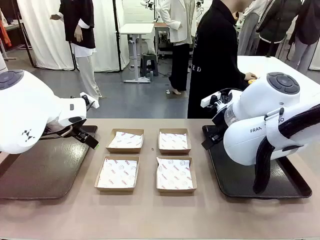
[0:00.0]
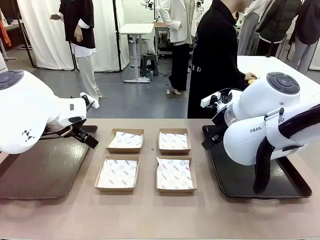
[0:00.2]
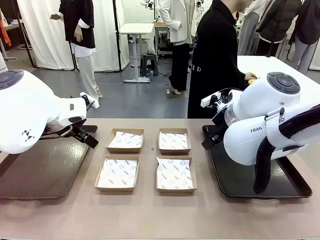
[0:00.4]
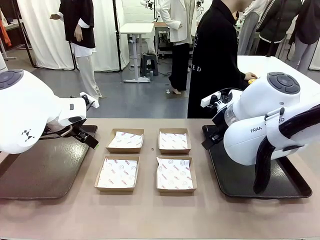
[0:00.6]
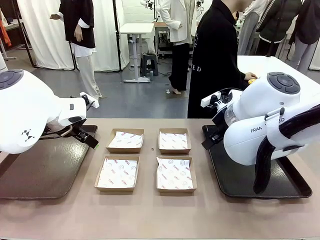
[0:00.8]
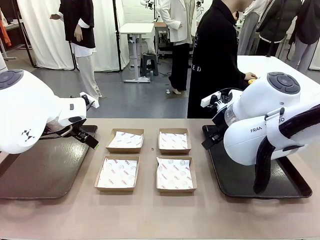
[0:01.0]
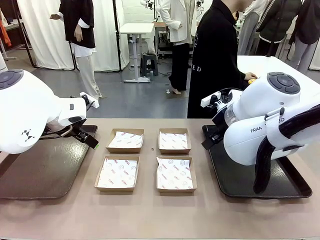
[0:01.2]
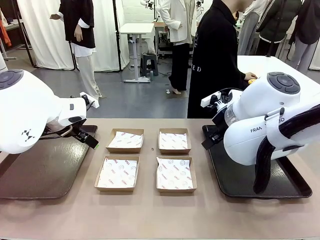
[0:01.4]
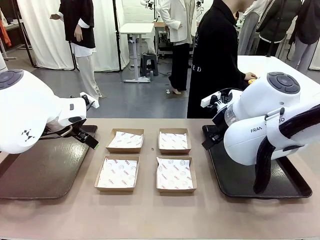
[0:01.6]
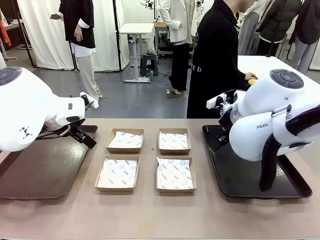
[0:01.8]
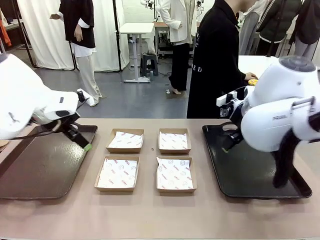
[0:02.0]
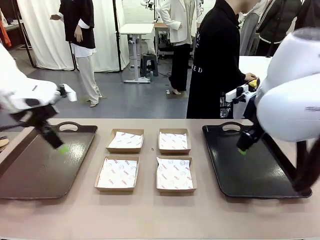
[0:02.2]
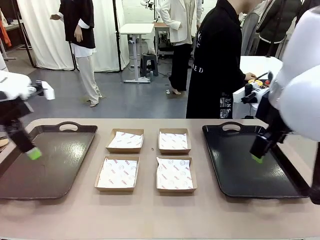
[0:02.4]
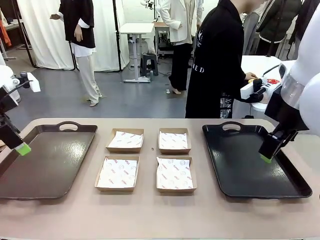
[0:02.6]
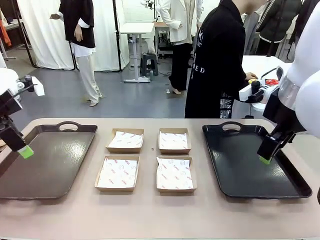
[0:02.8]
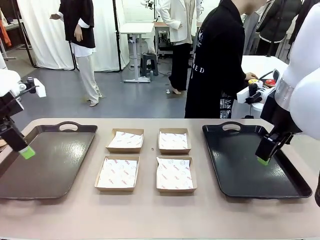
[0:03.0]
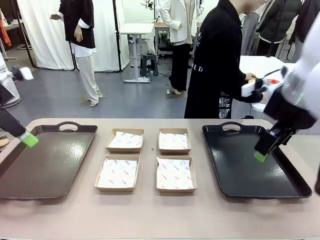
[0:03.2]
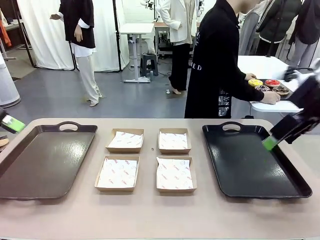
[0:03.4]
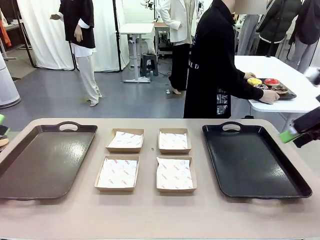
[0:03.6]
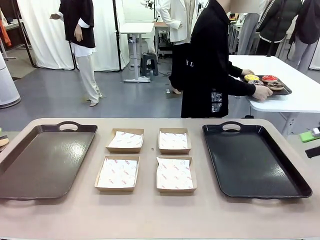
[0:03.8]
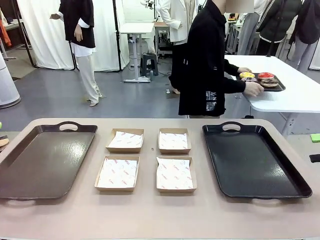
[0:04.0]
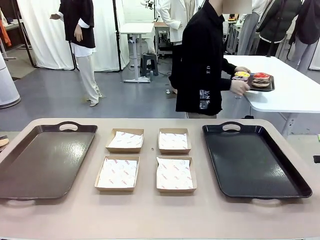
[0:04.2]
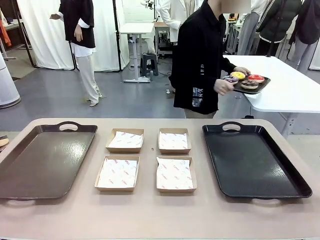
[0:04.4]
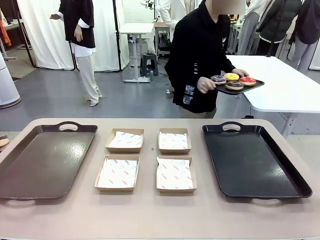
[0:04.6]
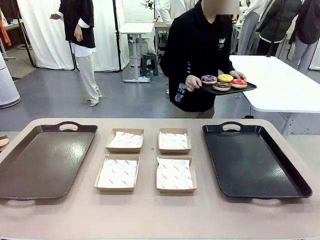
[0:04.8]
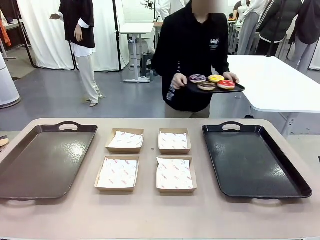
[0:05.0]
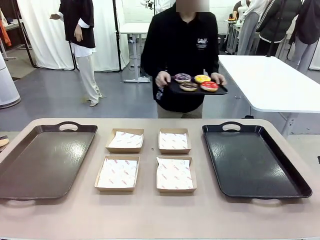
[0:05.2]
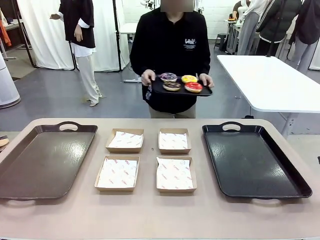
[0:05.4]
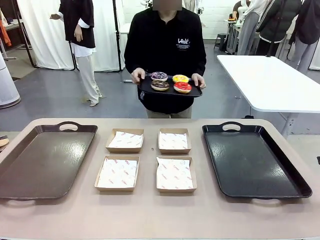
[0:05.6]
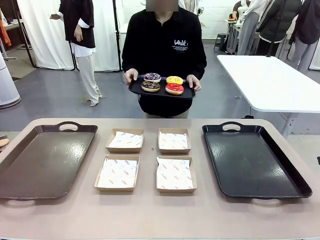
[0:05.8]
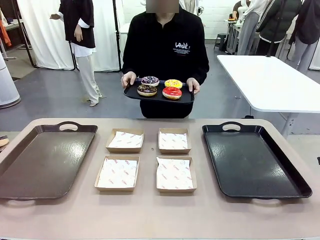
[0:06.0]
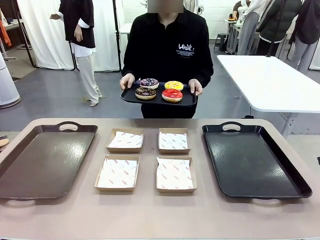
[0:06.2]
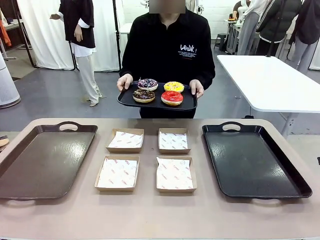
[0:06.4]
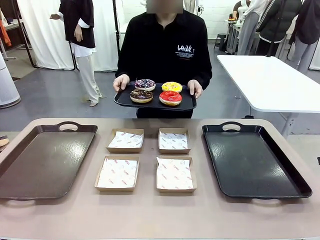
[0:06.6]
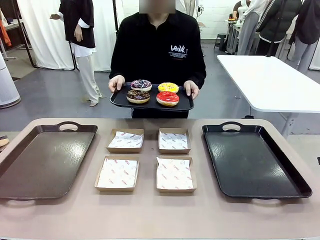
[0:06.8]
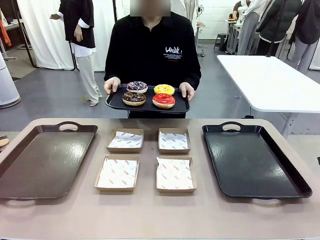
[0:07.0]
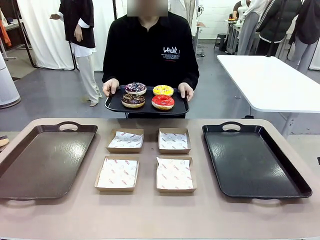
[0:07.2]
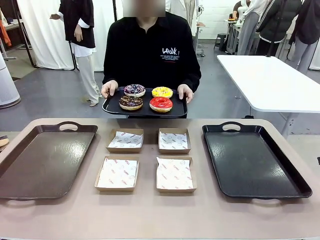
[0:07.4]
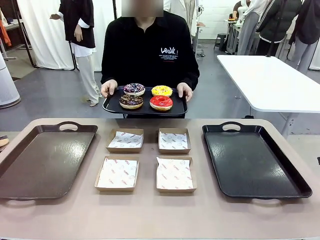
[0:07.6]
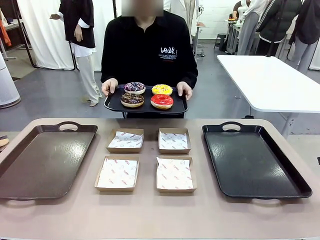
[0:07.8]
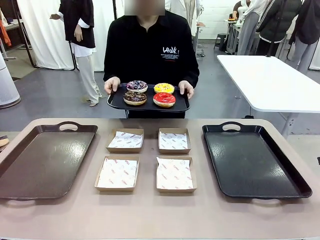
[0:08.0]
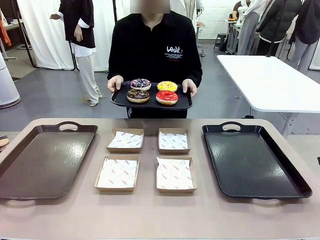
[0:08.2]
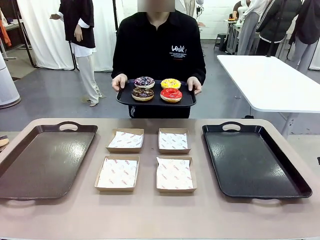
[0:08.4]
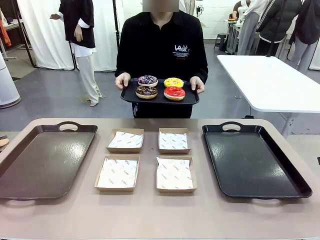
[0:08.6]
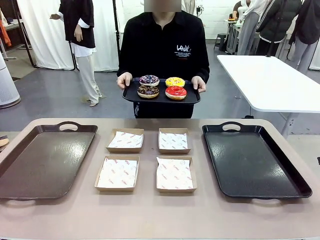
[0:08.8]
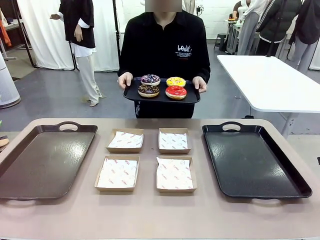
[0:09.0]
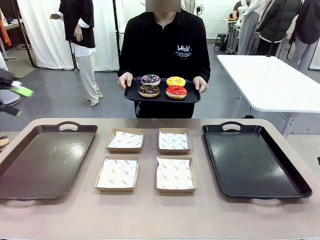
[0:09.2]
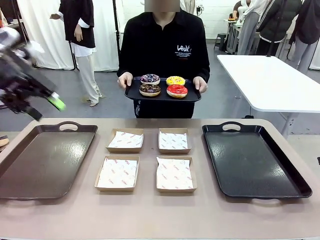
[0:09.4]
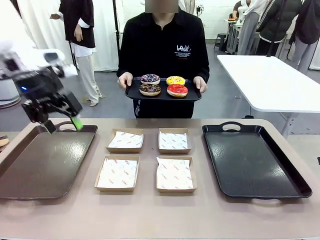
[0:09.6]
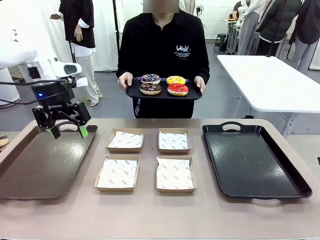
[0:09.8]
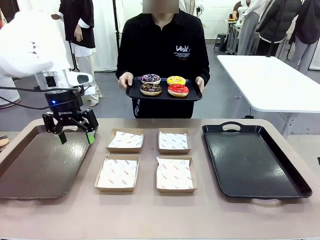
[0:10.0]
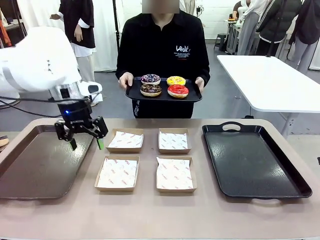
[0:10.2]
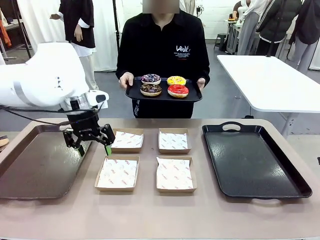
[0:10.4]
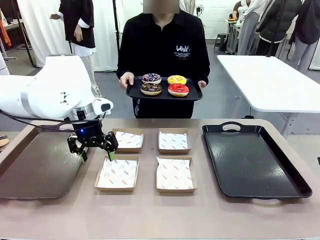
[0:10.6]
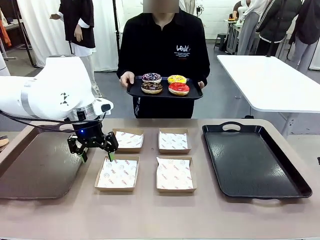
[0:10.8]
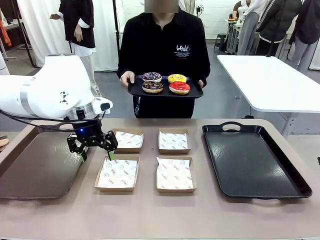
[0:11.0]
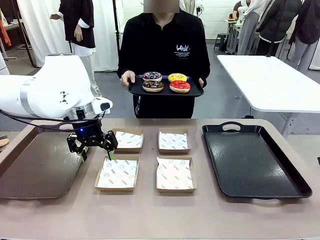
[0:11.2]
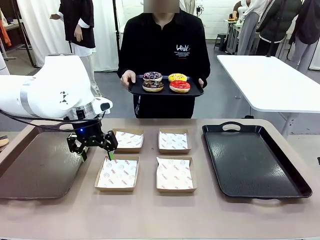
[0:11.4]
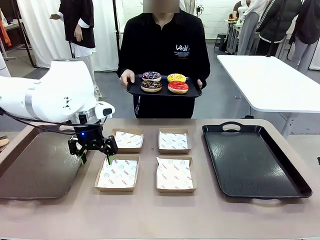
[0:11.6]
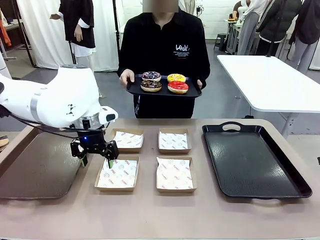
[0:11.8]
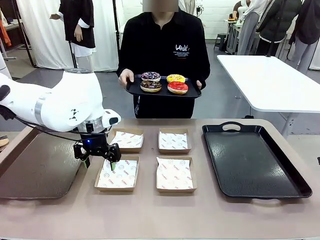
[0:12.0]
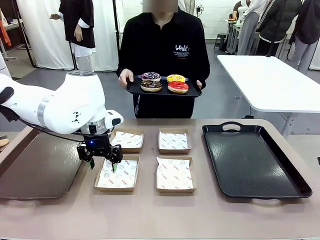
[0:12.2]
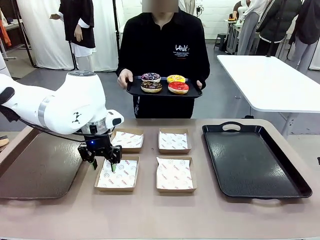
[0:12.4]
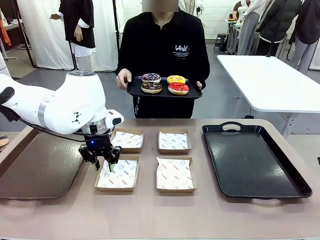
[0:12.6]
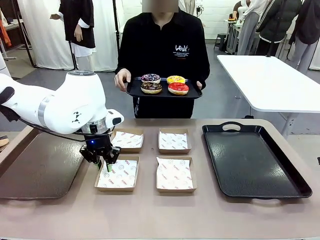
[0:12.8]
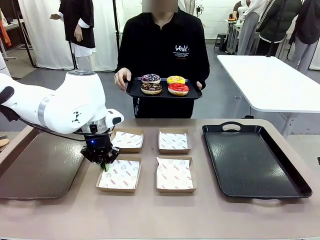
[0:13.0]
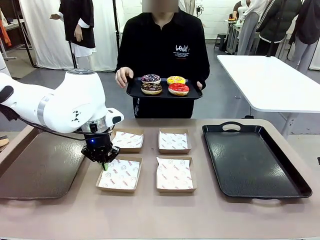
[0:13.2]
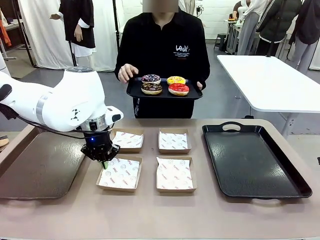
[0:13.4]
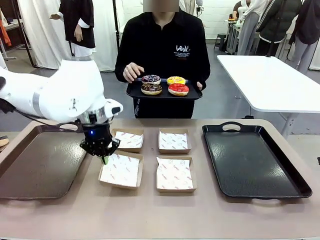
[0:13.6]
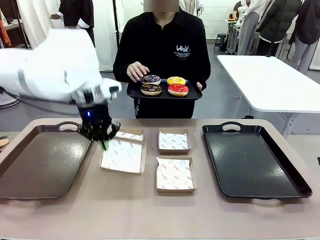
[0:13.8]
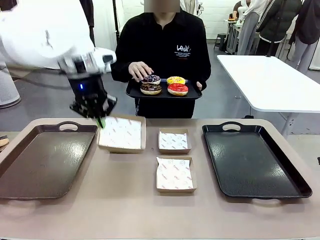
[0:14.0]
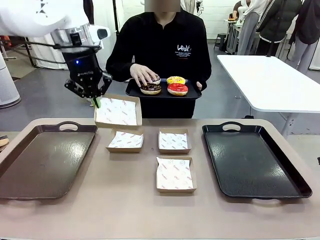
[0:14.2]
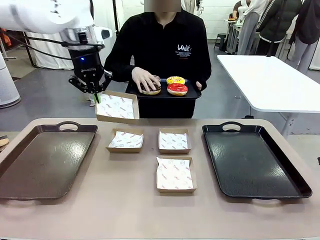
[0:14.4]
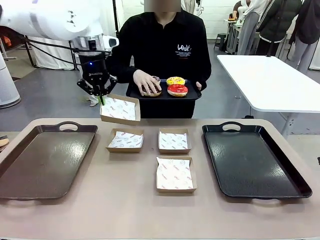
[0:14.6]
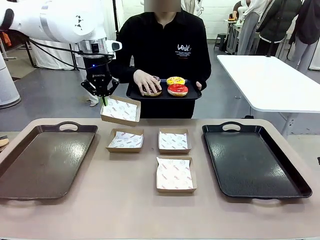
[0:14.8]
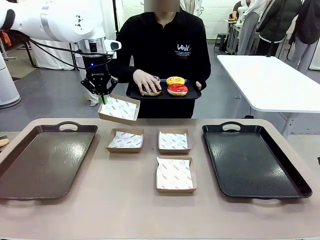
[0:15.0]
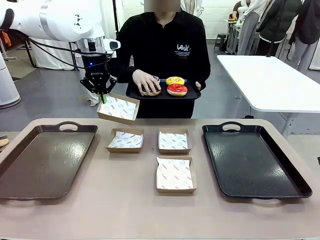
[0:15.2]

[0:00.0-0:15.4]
Task: Individually package the donuts and arrange them on the tray.
Robot: Pick up one Paper togo box.
Person: Stand in front of the robot table holding the tray containing the donuts.
